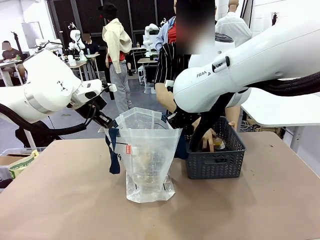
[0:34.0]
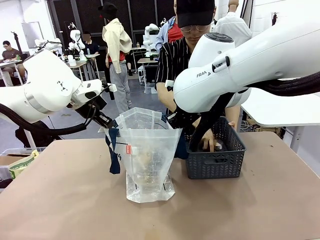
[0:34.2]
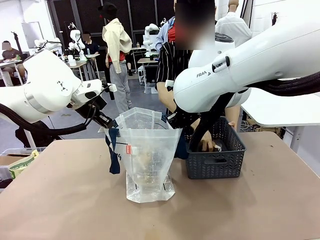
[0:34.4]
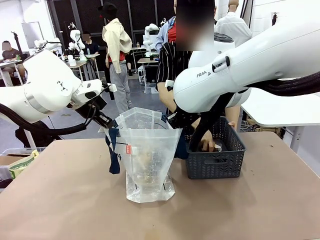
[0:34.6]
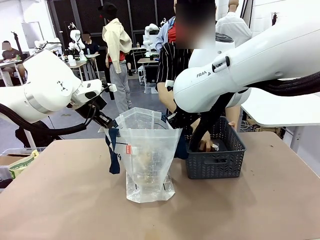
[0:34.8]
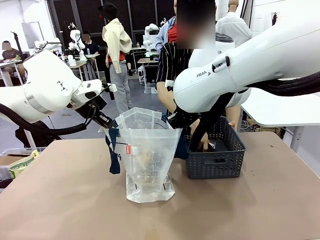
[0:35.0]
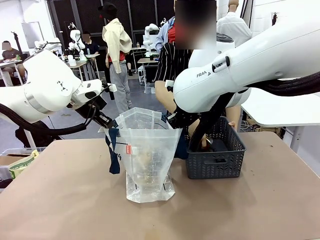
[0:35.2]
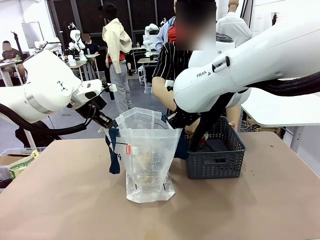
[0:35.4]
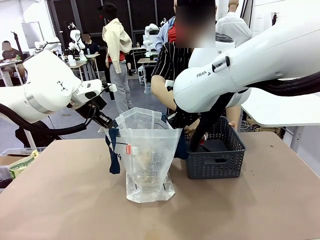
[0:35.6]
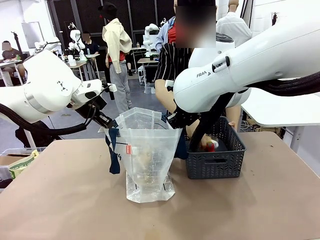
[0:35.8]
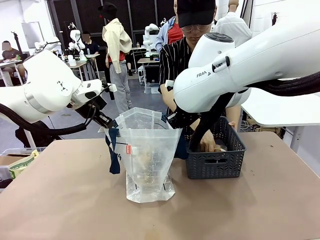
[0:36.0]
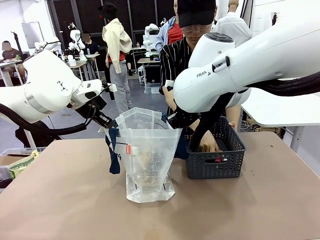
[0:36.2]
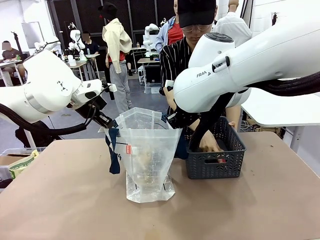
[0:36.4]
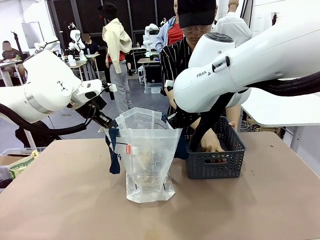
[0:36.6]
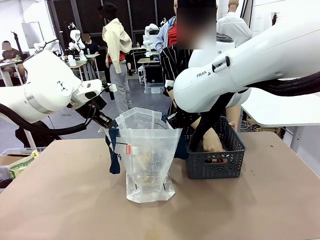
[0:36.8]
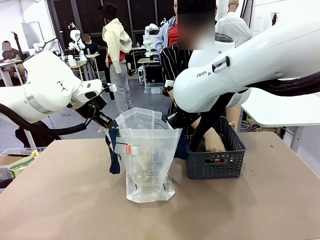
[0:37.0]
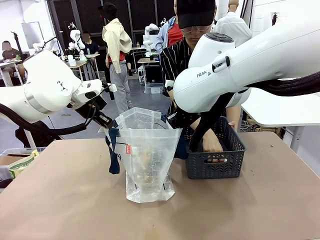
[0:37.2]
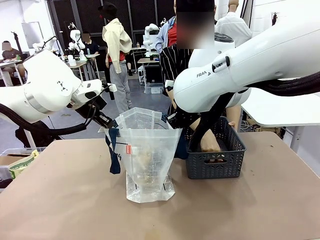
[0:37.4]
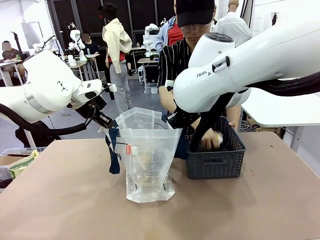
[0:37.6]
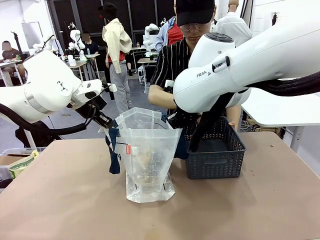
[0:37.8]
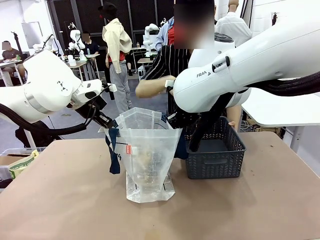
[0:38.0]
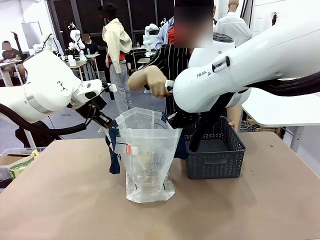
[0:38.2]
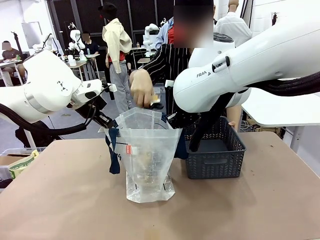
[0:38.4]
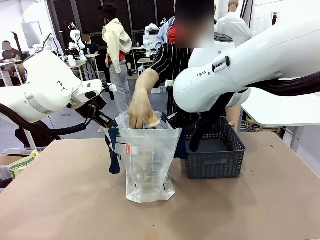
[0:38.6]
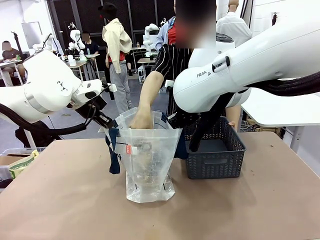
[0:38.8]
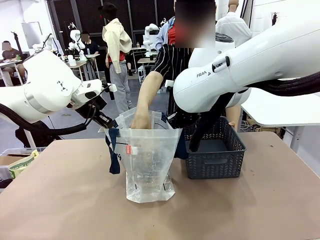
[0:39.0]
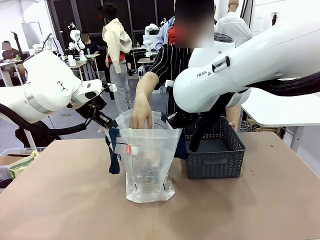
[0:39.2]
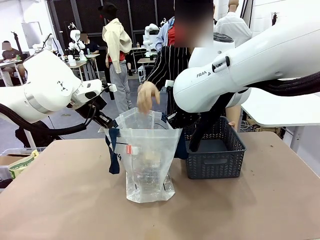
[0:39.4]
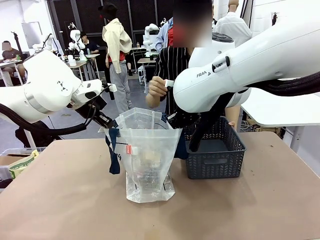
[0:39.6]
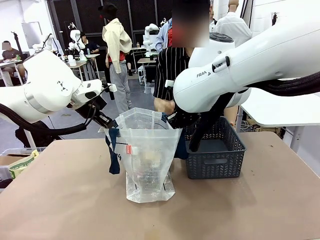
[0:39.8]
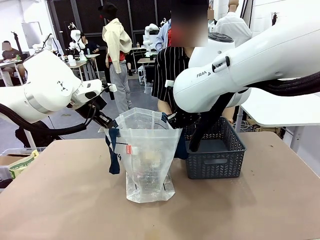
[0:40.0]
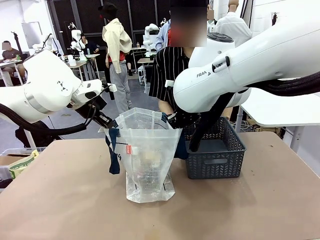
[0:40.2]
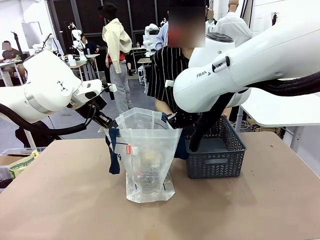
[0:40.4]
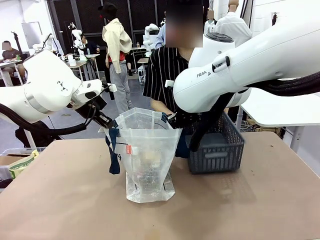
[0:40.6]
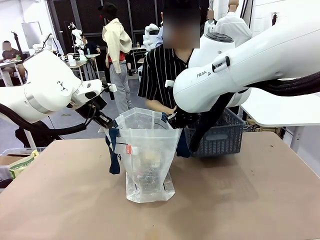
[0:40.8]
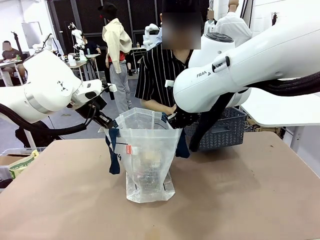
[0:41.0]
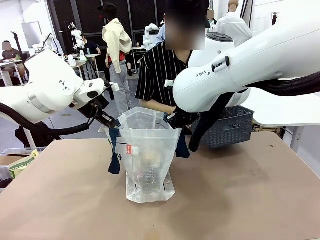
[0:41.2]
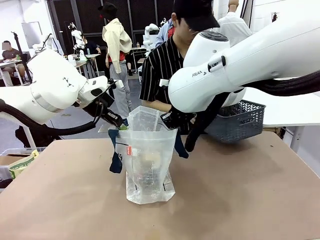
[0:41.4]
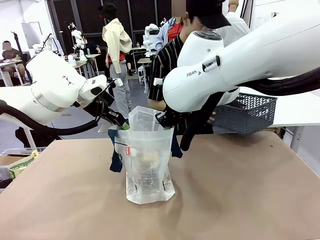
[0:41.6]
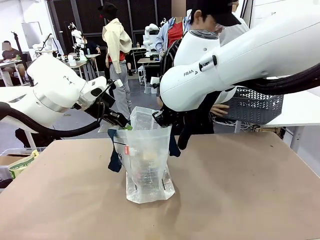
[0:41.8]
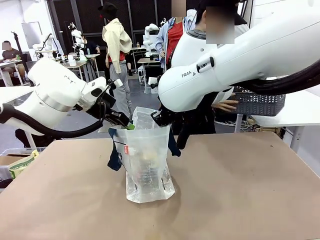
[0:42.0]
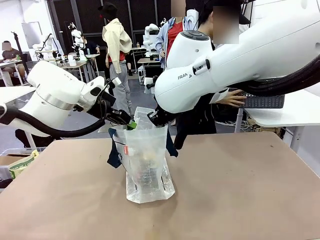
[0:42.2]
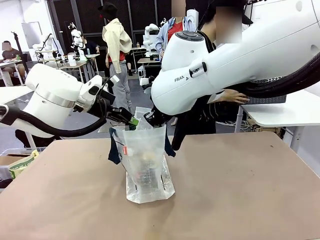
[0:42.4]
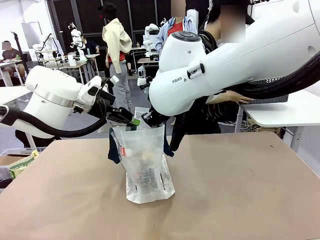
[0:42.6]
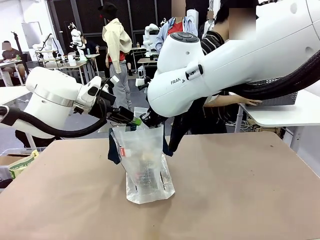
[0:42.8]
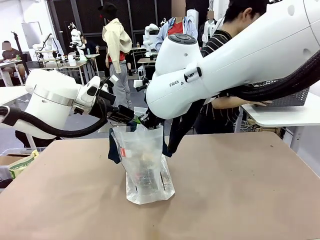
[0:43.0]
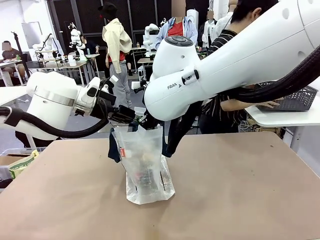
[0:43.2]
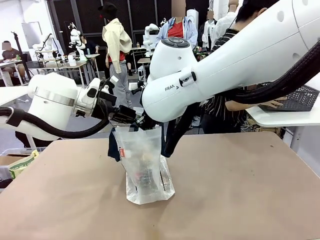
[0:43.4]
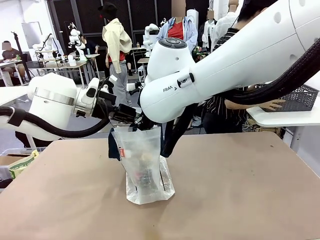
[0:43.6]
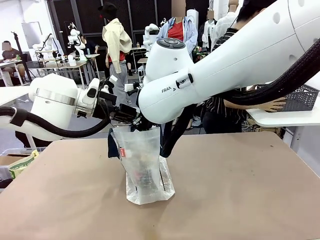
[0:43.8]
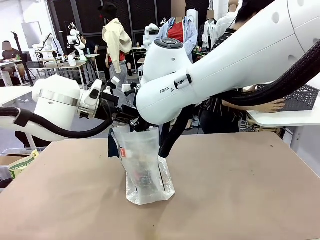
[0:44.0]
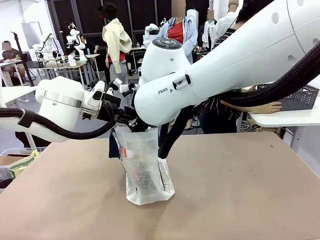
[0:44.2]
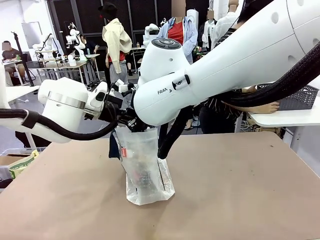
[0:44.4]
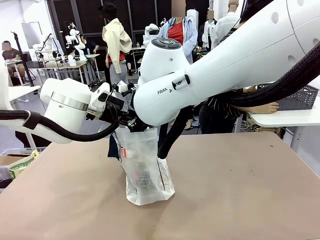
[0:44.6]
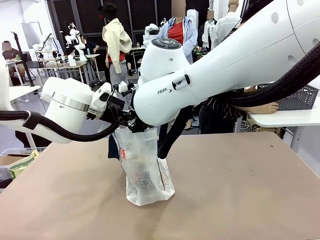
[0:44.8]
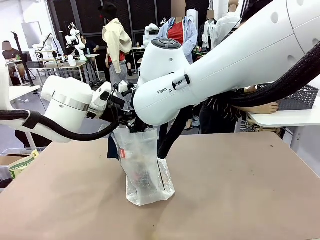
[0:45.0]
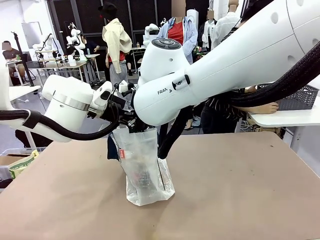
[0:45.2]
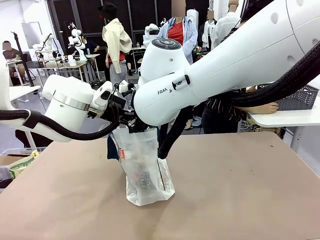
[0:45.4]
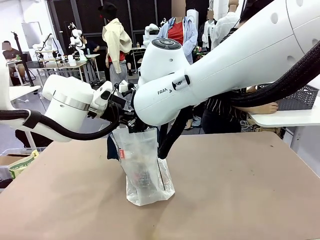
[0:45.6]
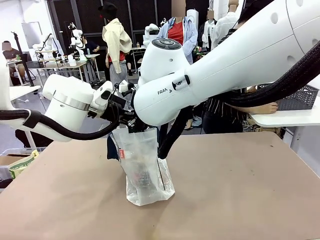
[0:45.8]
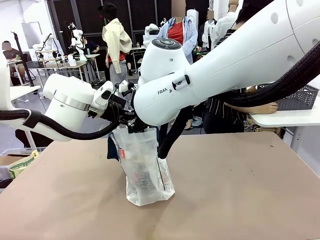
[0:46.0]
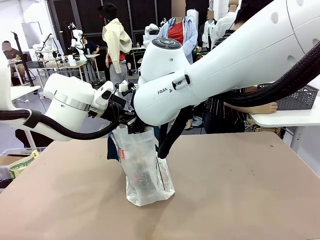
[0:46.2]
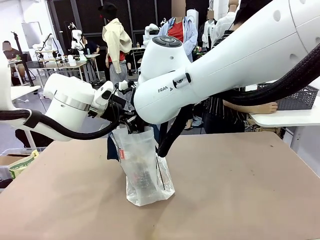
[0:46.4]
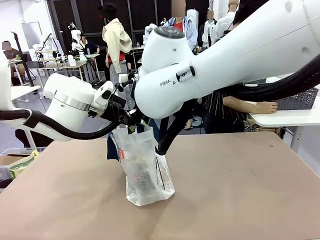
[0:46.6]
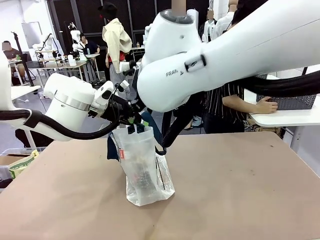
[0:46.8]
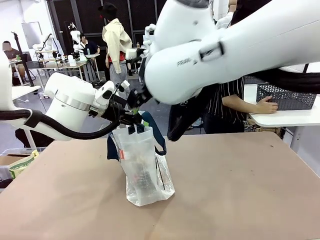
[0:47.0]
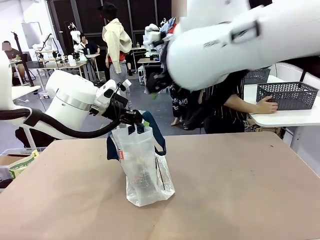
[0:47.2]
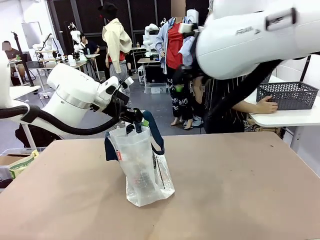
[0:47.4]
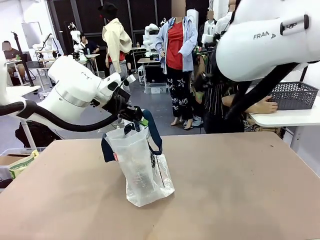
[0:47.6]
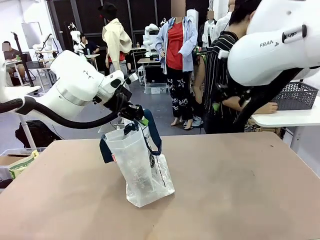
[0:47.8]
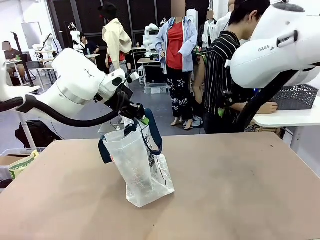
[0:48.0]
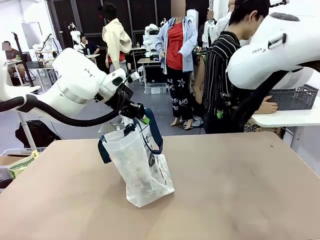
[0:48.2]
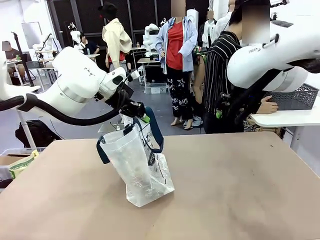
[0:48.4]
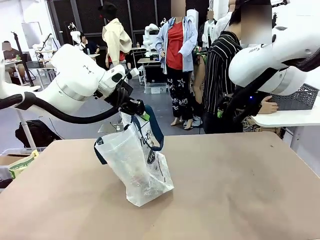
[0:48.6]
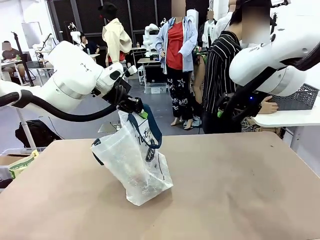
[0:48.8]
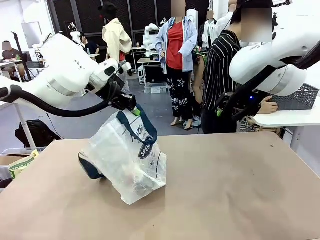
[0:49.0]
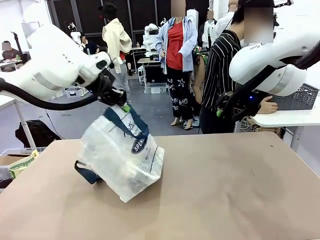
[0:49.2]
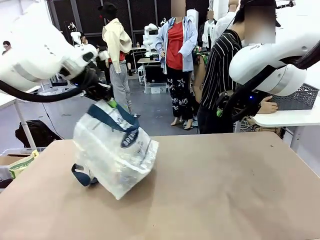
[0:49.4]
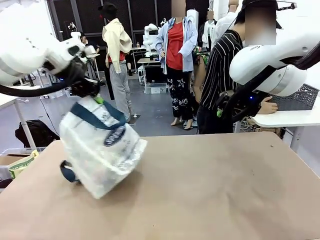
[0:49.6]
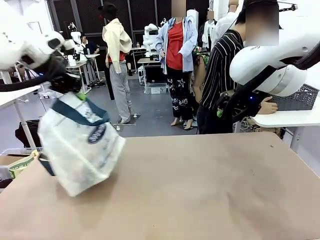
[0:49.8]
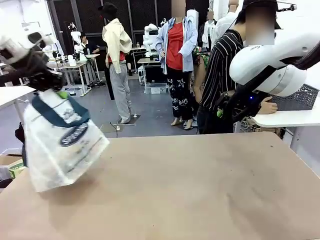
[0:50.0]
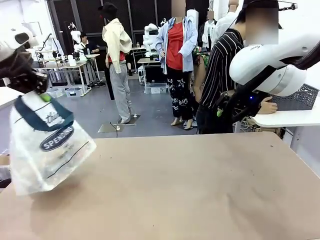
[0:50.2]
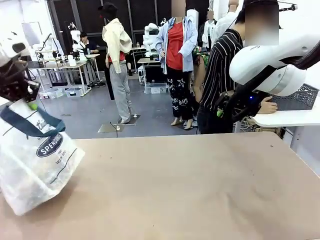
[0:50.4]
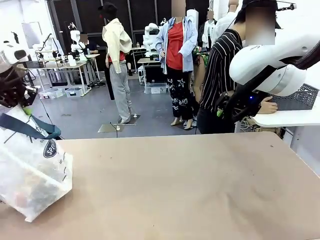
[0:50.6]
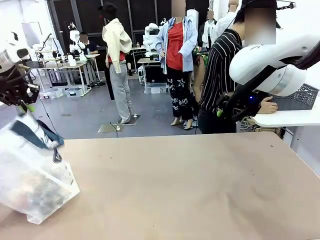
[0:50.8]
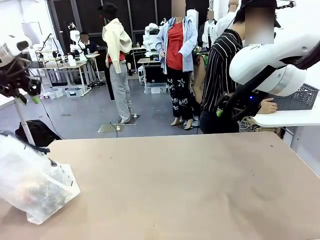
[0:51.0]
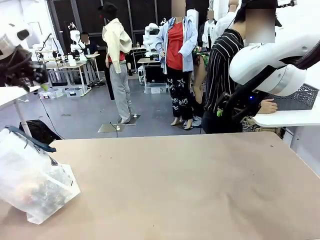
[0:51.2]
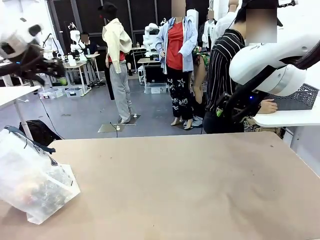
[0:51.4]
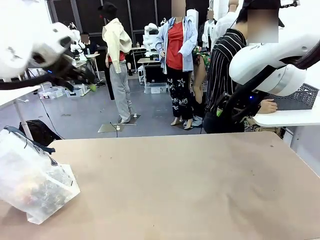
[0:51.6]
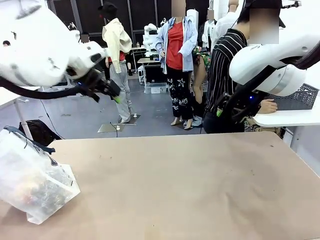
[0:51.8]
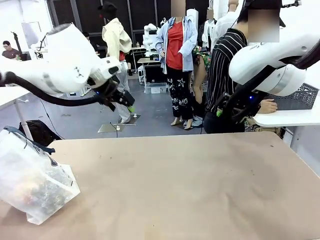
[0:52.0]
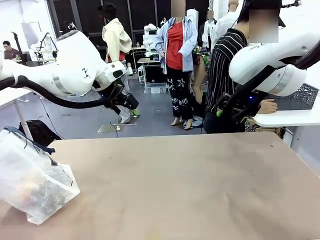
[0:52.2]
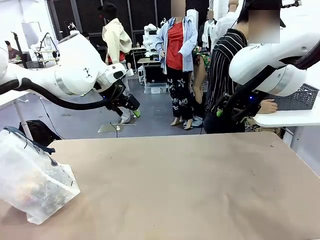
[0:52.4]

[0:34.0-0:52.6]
Task: Transfer purchased items from the store into the shopping bag.
Robot: Move the Reusable shopping bag to the right side of the table.
Person: Move the basket on the left to the middle of the person's table.

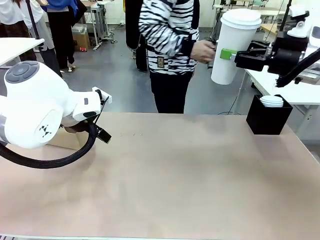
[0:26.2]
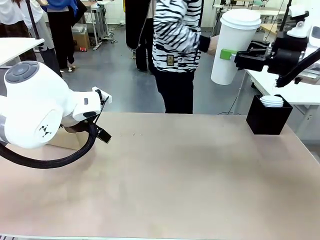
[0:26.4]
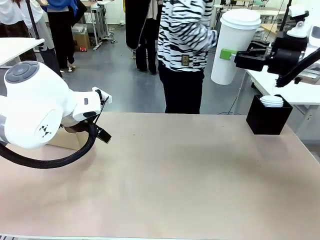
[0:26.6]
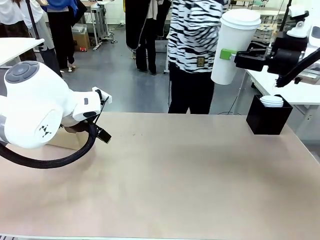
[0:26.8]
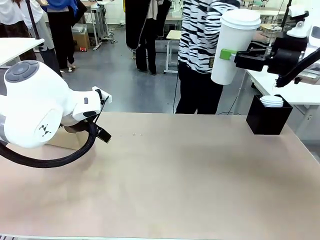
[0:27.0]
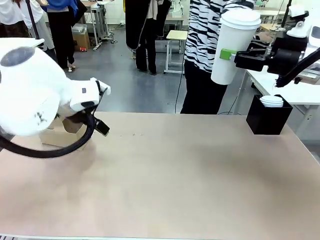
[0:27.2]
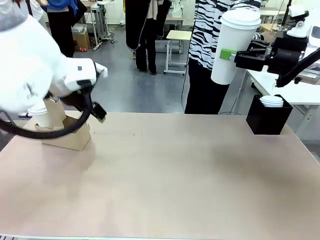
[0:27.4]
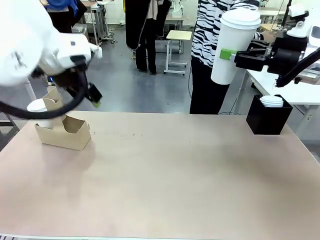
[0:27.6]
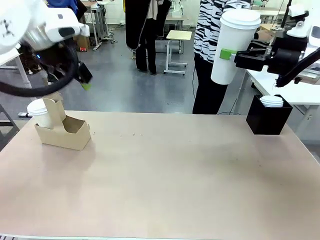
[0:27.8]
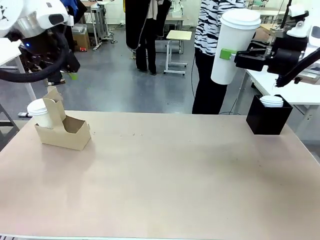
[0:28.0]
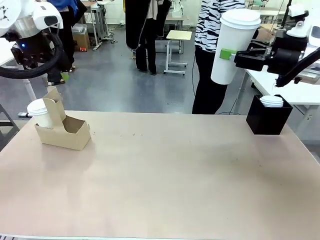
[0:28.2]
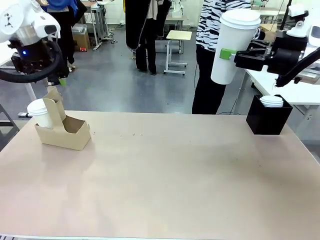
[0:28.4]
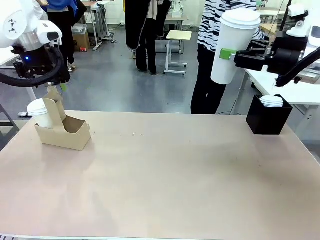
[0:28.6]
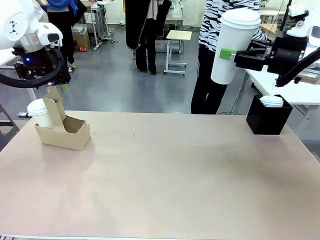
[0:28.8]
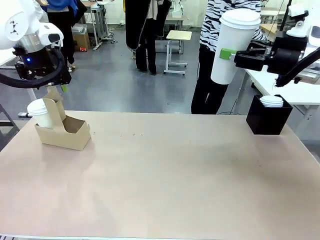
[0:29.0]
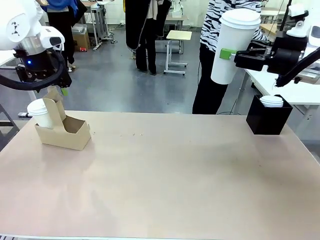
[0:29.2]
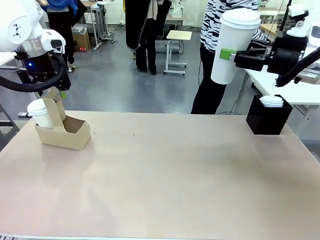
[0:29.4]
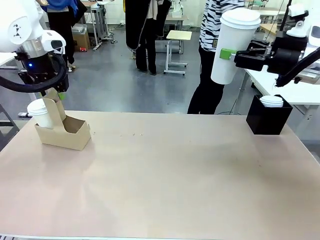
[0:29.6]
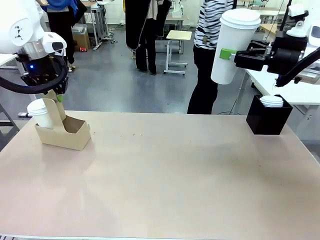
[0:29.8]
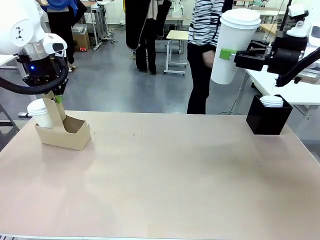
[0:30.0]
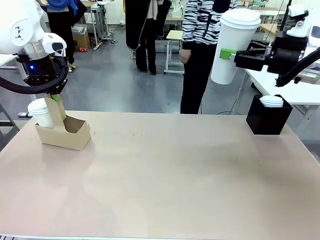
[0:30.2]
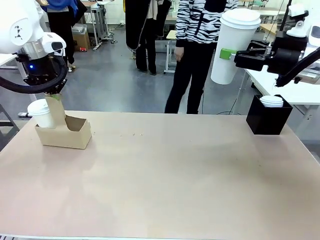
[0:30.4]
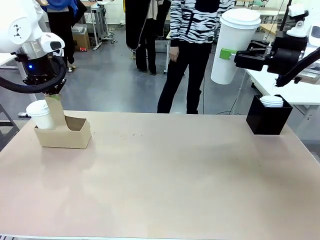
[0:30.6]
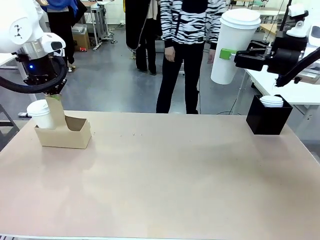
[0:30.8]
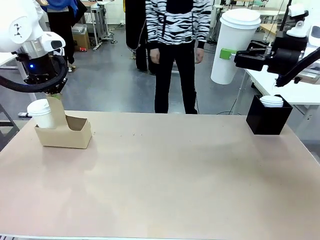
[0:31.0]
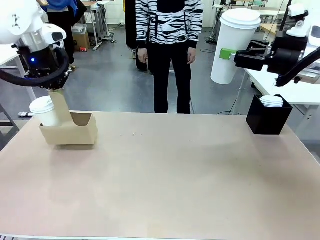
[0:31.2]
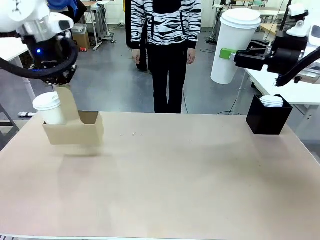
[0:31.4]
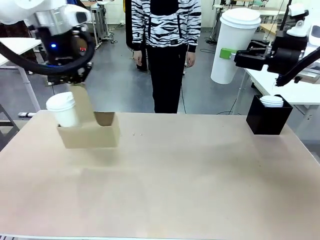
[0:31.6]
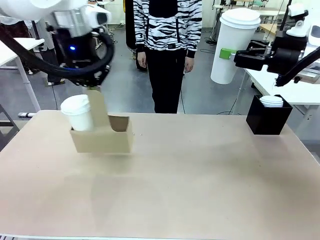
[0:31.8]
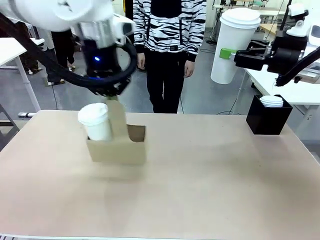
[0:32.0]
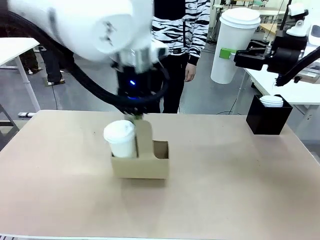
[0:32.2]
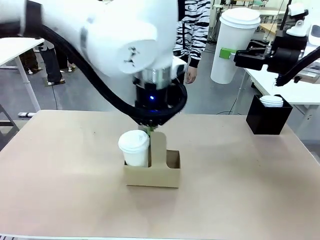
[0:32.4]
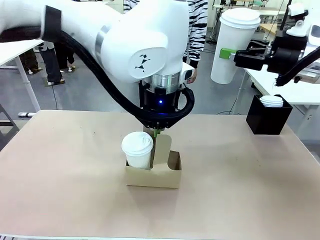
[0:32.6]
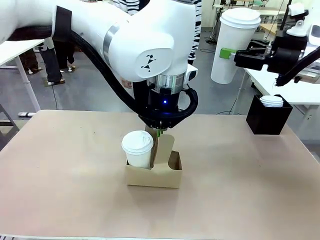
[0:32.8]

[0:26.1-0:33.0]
Task: Pour a drink into a cup and package it in a carrier.
Robot: Position the Cup Carrier in the center of the table.
Person: Pick up the Filter Brewing and place on the middle of Human table, and return to the Robot table.
